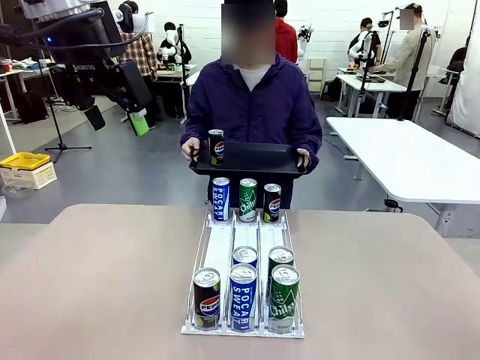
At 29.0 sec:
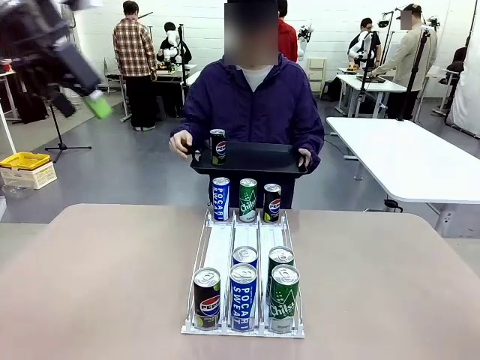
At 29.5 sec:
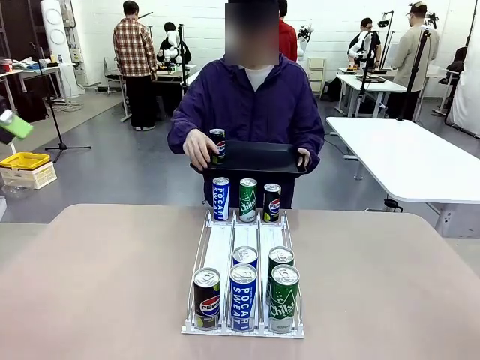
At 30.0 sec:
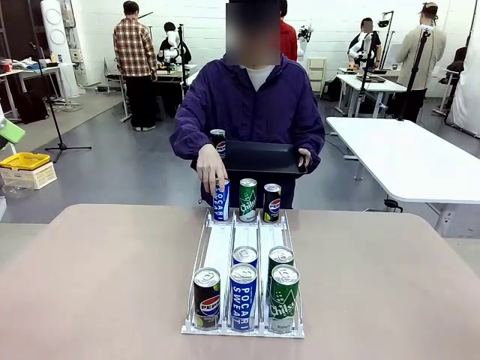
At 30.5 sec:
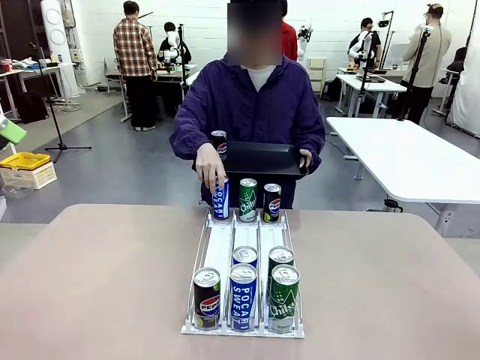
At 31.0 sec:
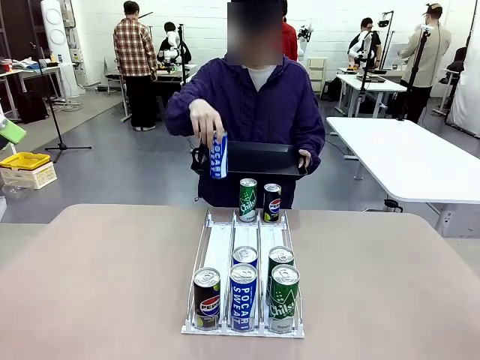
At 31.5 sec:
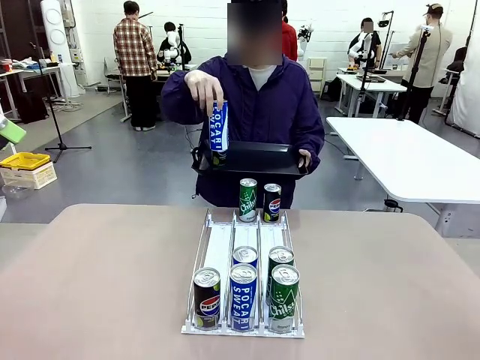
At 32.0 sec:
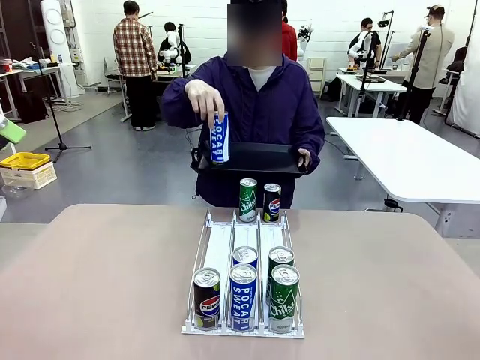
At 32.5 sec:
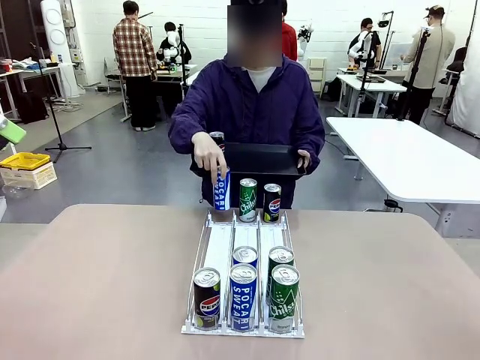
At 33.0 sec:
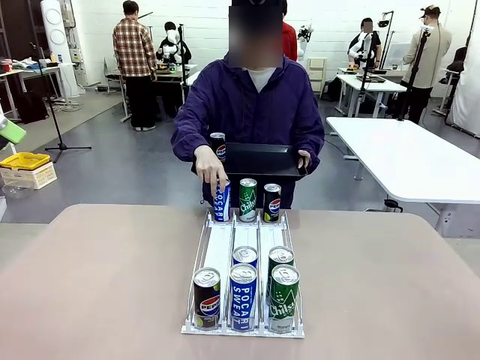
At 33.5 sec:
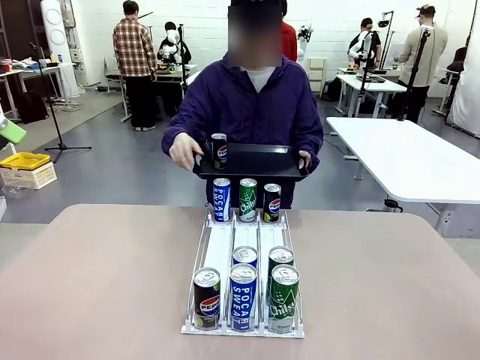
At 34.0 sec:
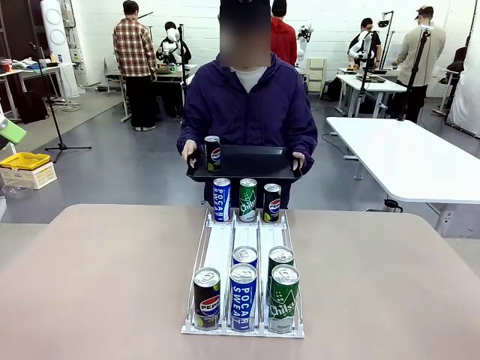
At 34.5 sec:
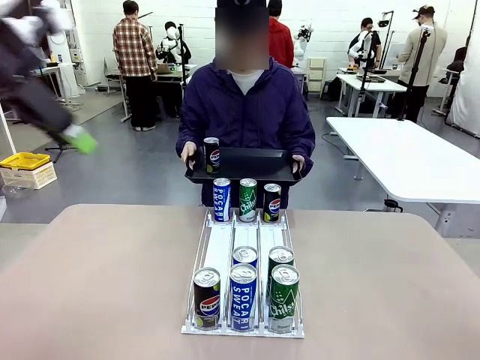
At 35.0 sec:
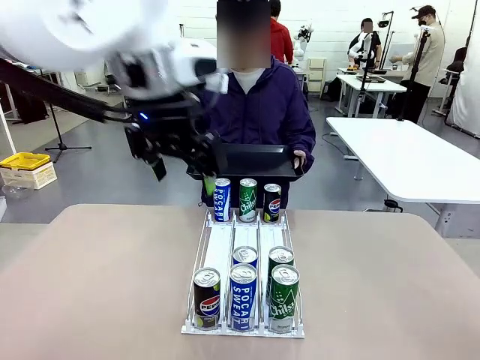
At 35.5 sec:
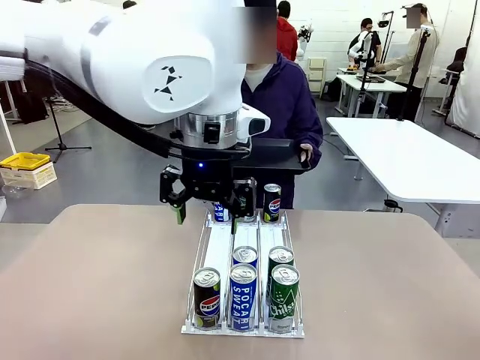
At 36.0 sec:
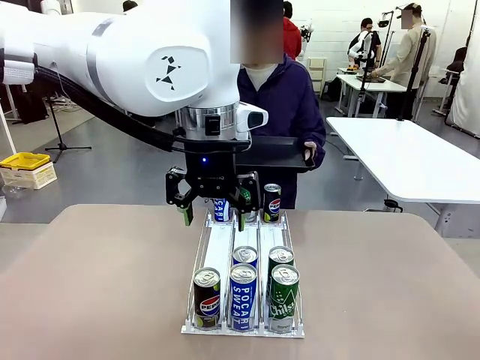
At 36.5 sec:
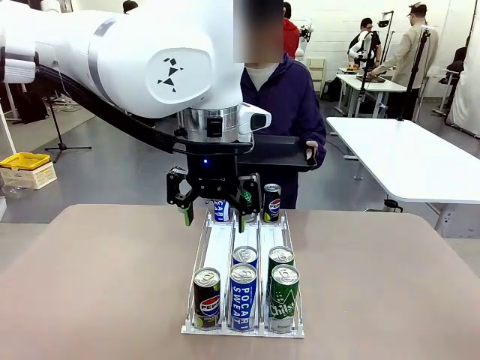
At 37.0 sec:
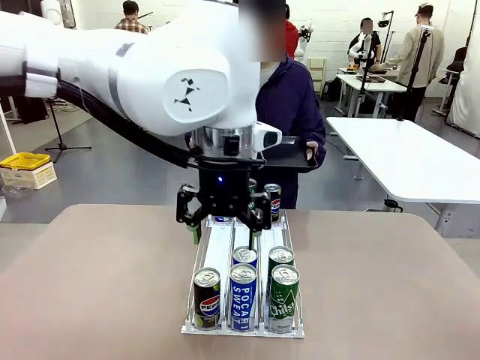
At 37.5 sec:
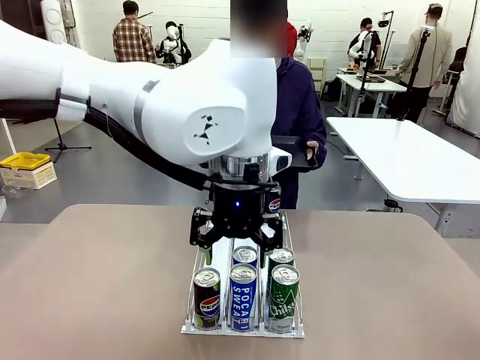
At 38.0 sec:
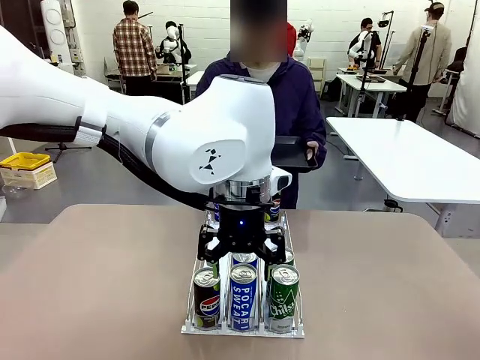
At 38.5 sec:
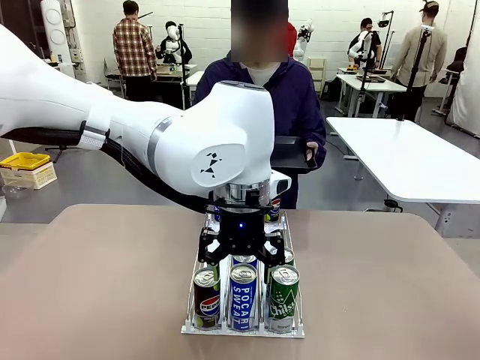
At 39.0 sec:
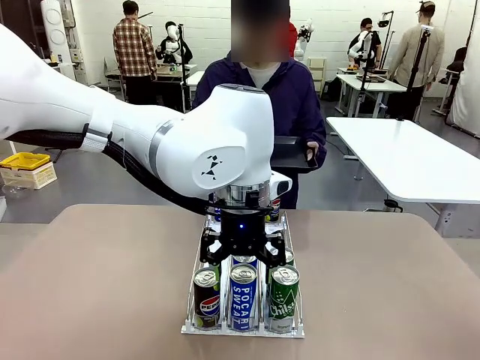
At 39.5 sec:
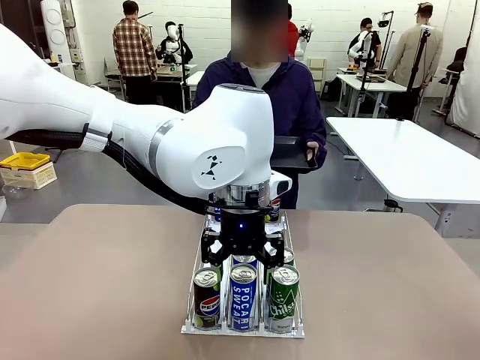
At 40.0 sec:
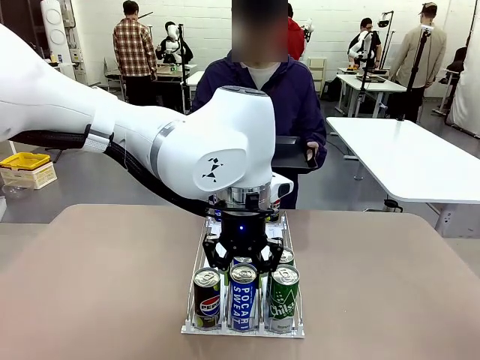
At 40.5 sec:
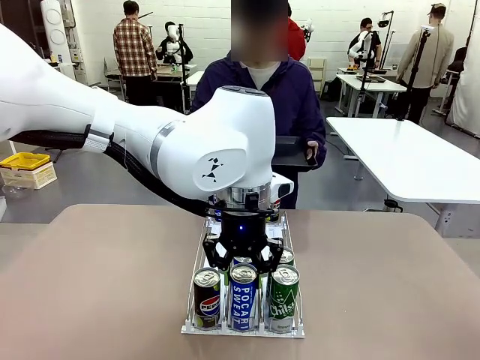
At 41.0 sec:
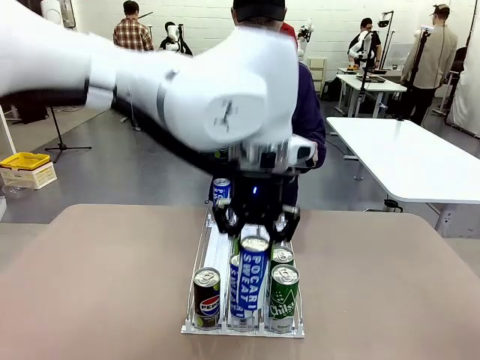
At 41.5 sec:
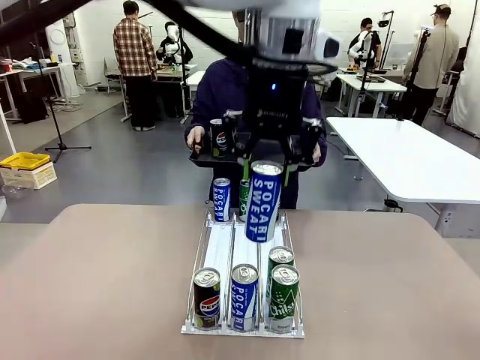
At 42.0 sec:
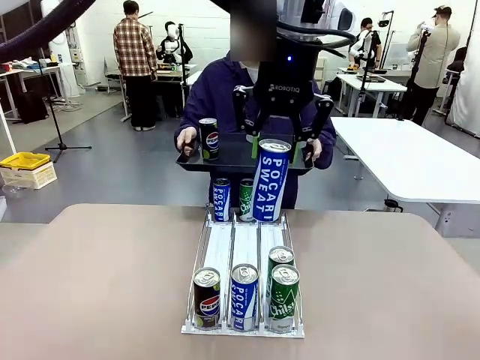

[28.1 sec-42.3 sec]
Task: Retrieve and hand over the desired beverage to the person.
Robot: Pick up another can of the same type that the person held from the Automatic Can Dispenser.
Person: Pull the tray back, then pick up another can from the bottom area of the table and puts it back in its original place. Push the tray toward the robot again.

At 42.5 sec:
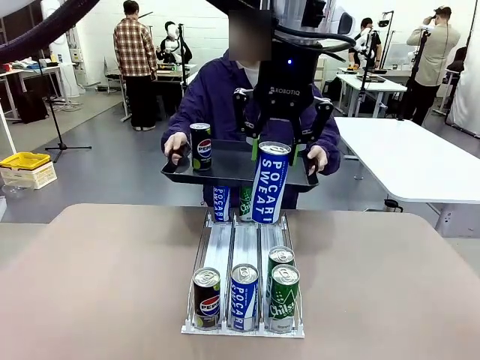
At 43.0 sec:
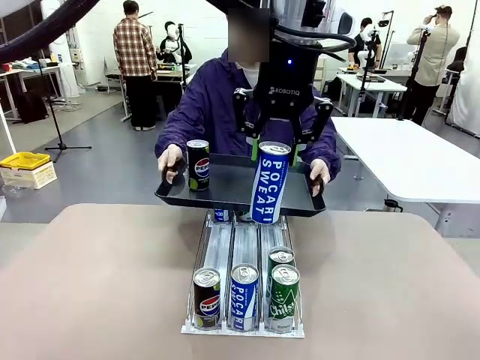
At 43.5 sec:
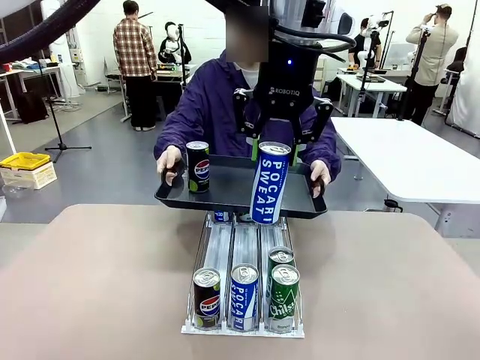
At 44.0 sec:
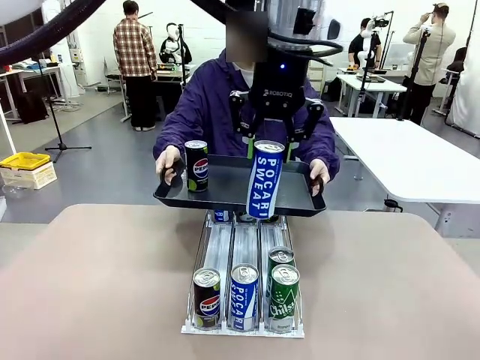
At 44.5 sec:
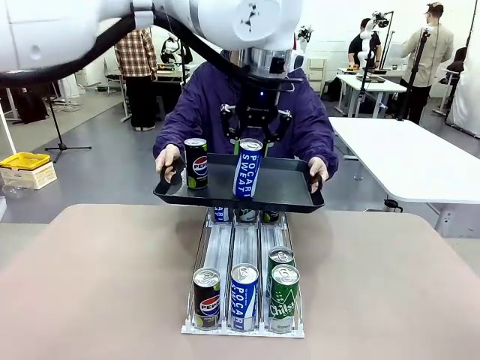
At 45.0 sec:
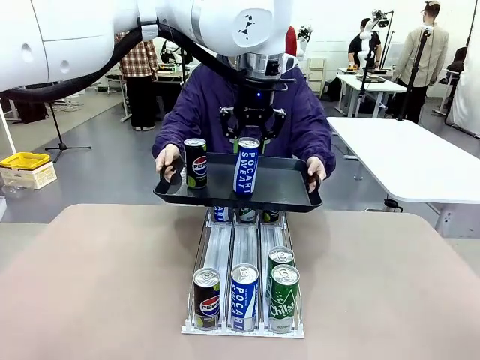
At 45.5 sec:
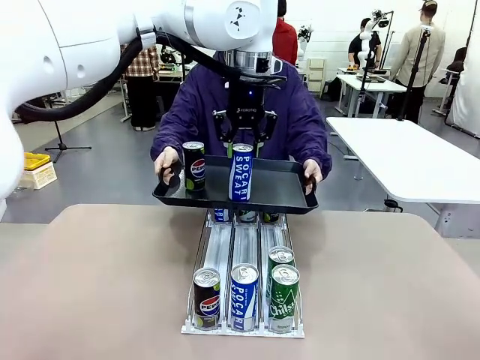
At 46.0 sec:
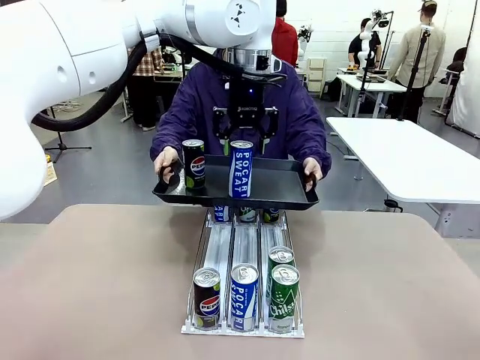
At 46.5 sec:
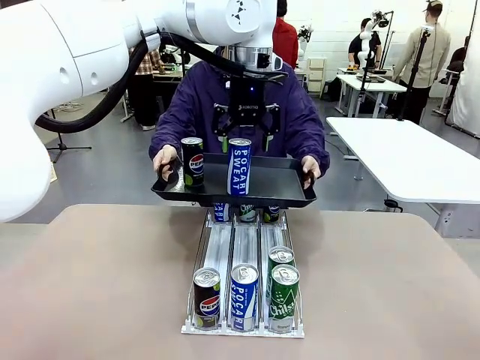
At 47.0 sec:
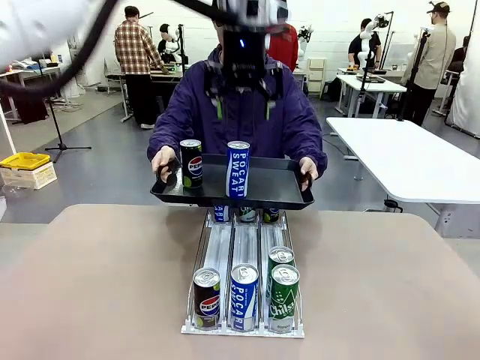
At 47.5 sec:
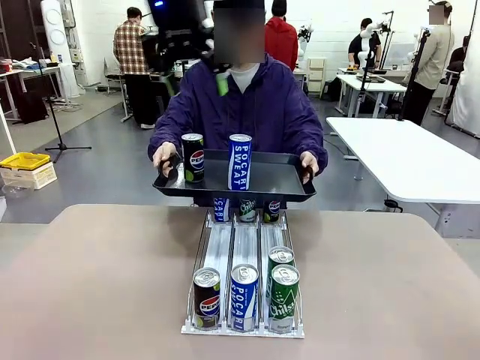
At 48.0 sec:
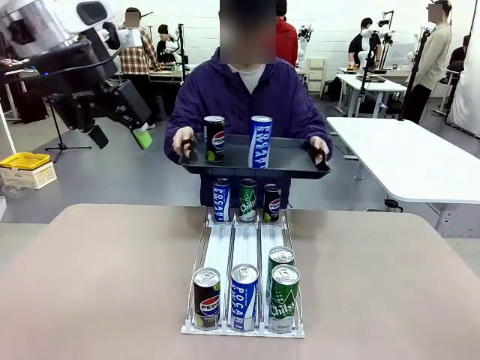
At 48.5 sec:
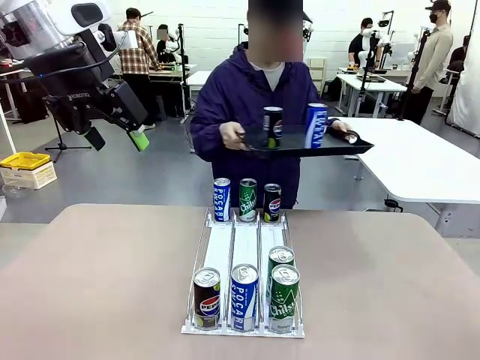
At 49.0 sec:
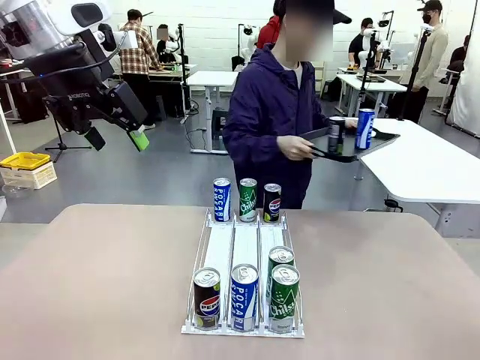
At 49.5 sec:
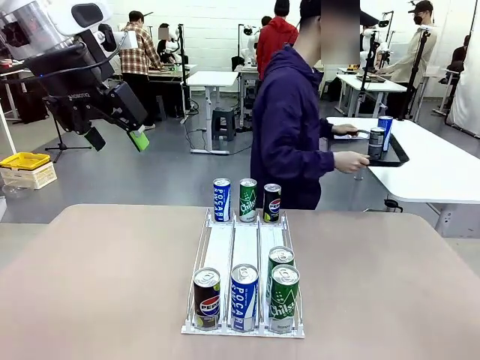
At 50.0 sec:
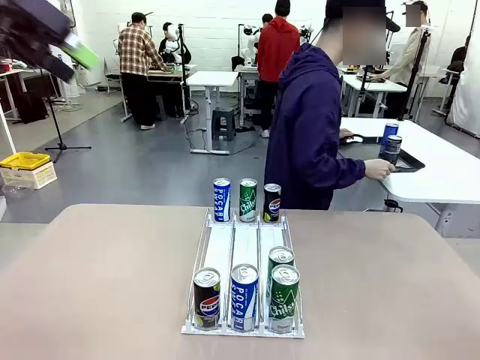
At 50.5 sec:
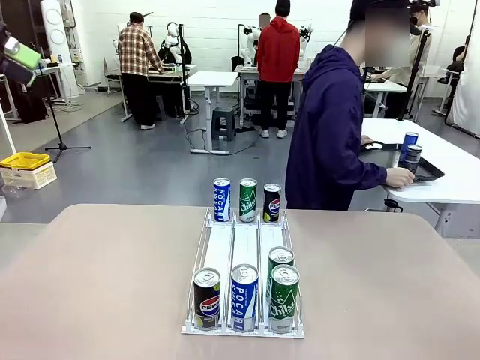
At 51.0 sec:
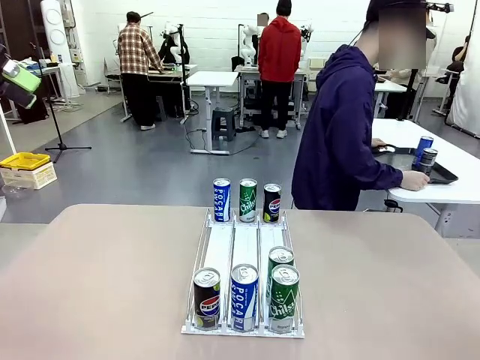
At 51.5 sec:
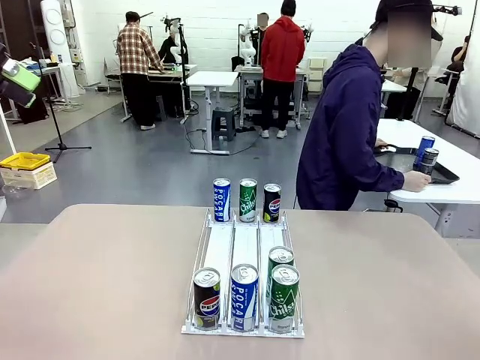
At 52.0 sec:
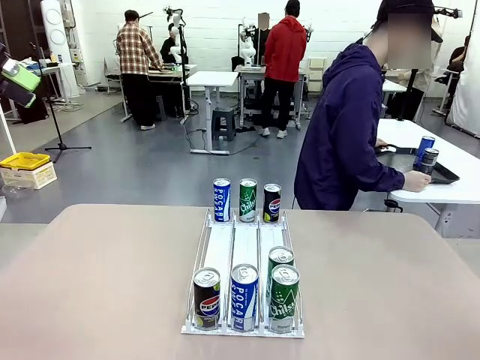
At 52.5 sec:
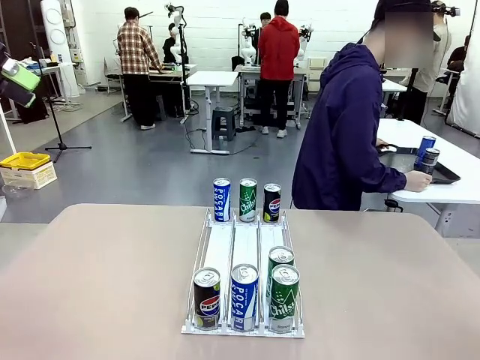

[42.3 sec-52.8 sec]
Robot: Place the picked can on the Handle tray extended by the person.
Person: Pull the tray back and place it at the center of the human table.

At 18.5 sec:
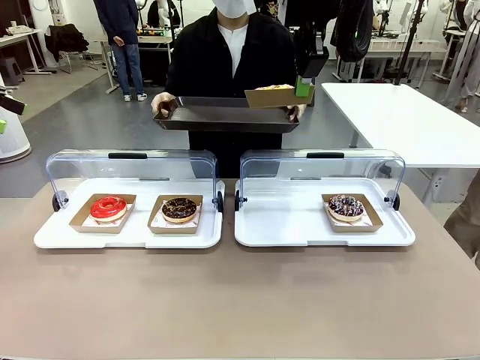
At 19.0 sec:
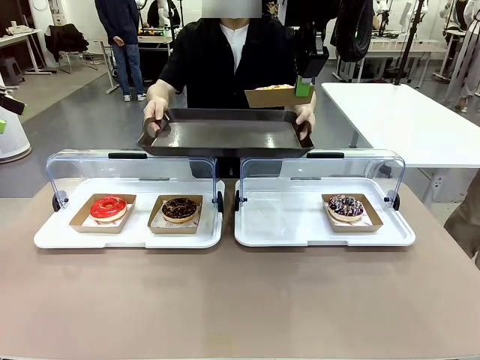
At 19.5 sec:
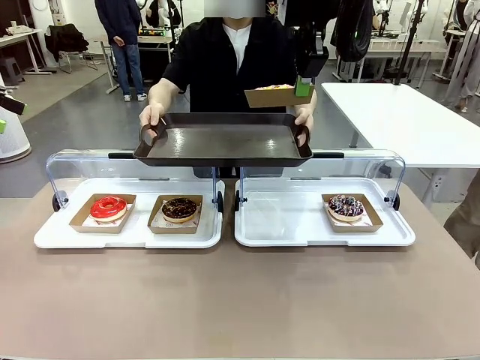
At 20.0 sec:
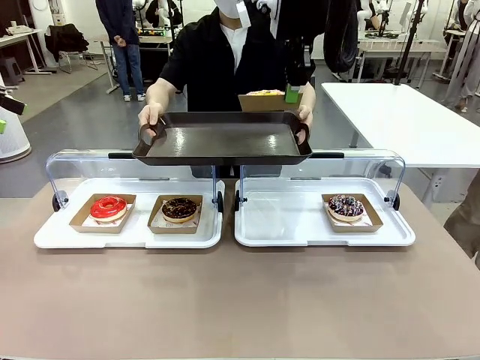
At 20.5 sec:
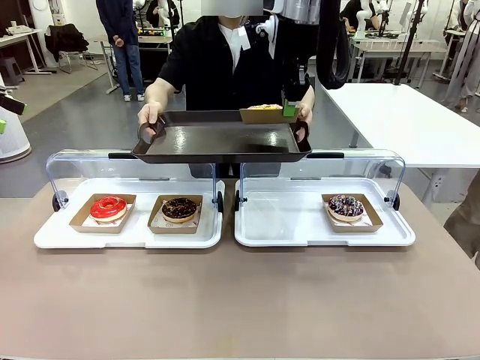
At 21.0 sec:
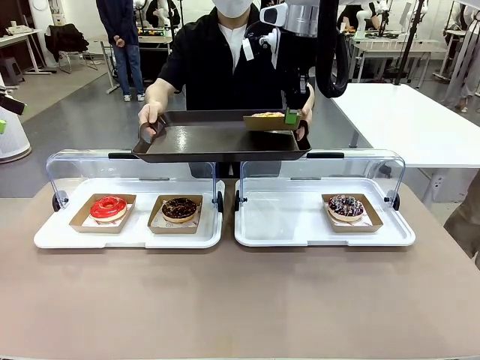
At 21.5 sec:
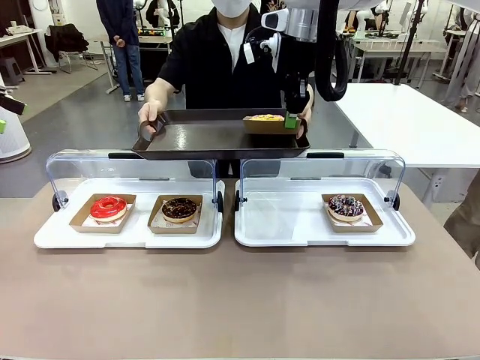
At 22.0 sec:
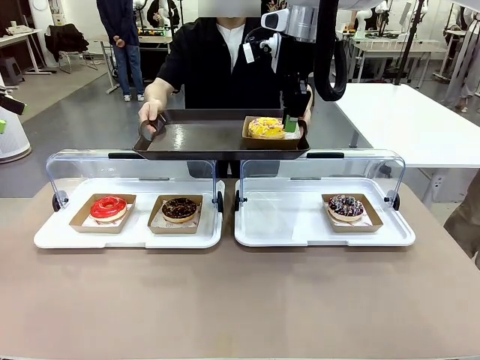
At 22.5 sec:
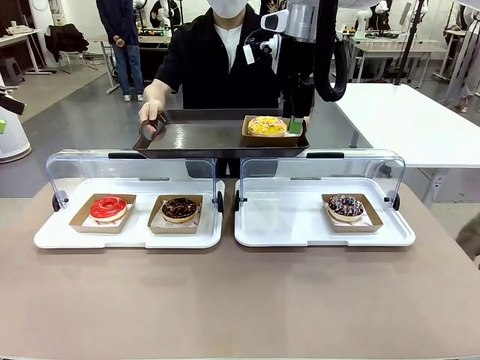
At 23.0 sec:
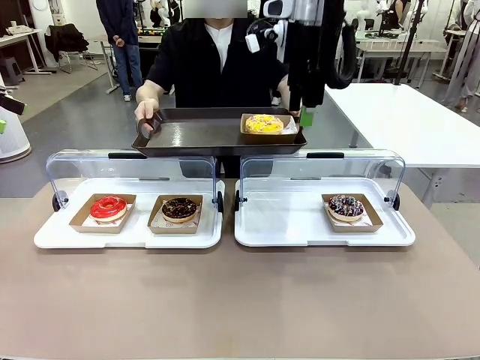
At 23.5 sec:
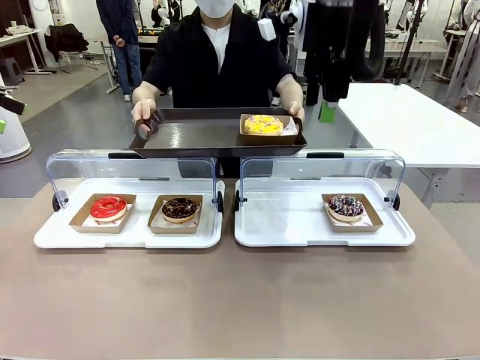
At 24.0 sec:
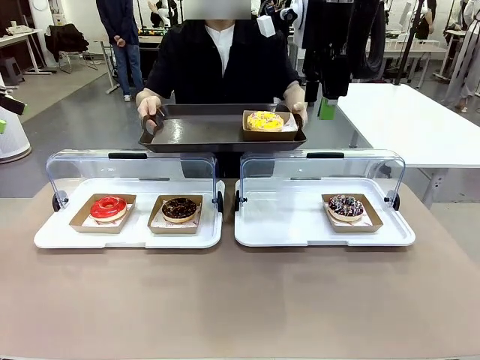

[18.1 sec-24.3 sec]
Task: Provide the desired donut to the person.
Robot: Place the picked Paper togo box onto the Handle tray extended by the person.
